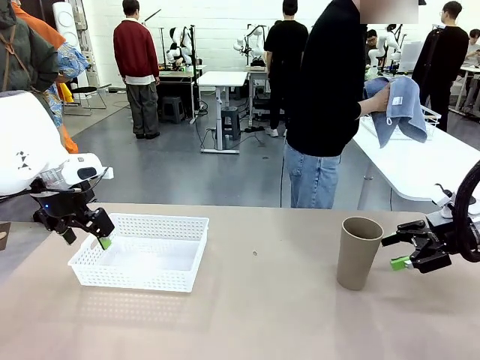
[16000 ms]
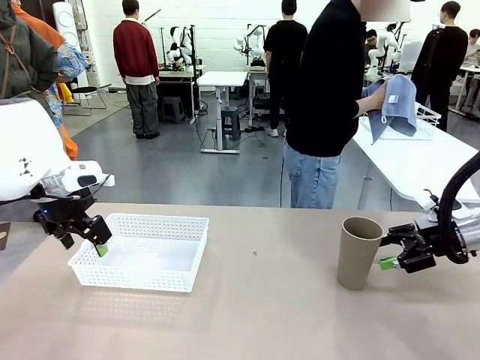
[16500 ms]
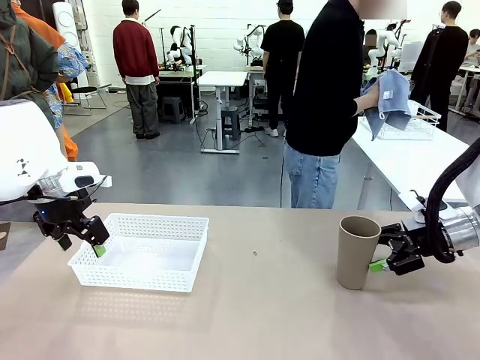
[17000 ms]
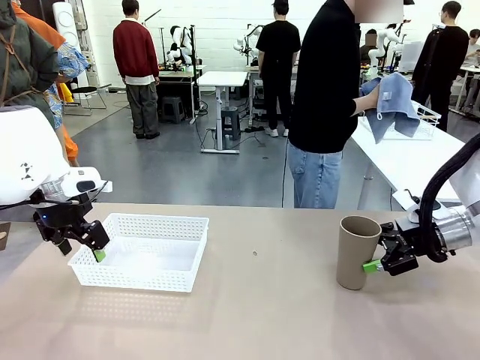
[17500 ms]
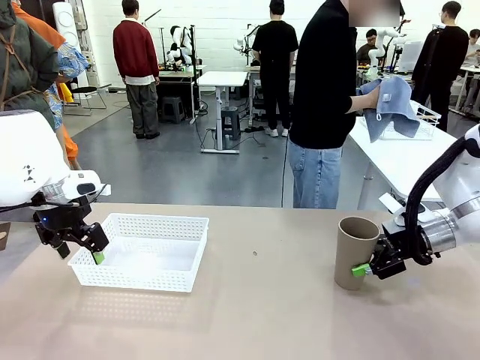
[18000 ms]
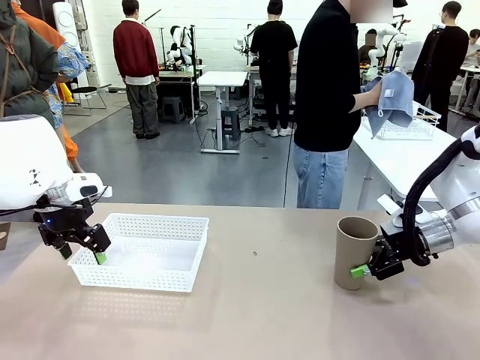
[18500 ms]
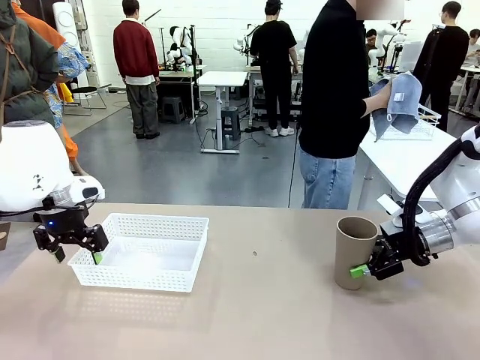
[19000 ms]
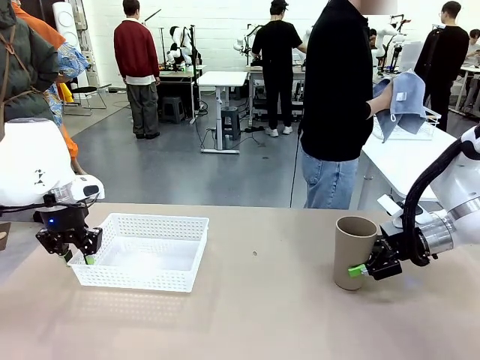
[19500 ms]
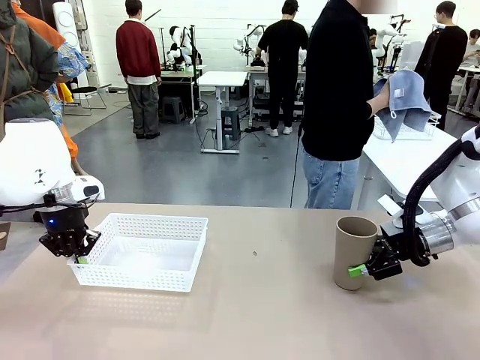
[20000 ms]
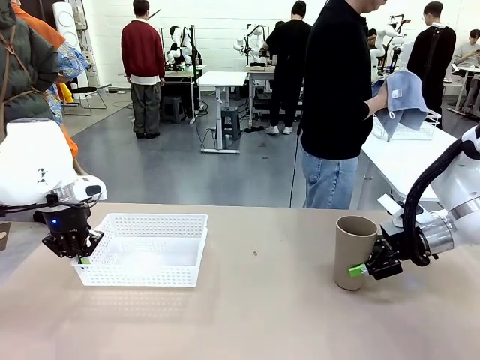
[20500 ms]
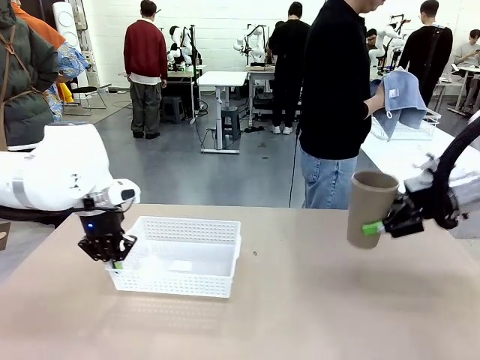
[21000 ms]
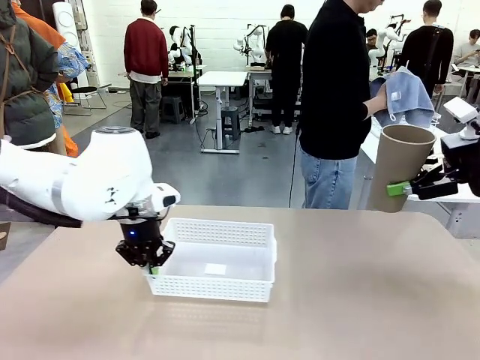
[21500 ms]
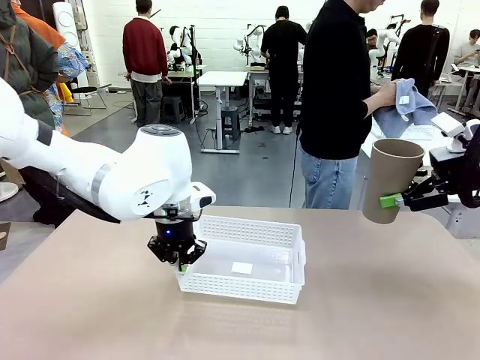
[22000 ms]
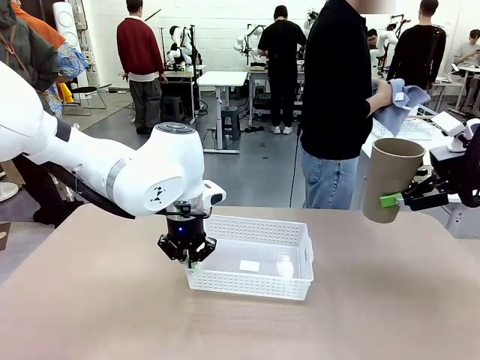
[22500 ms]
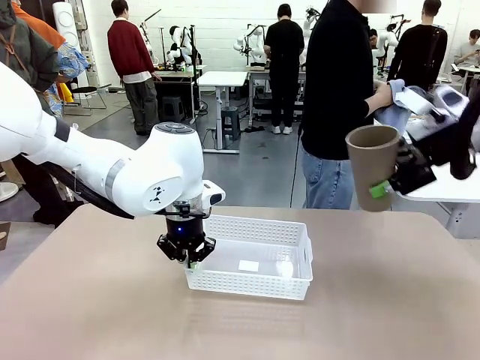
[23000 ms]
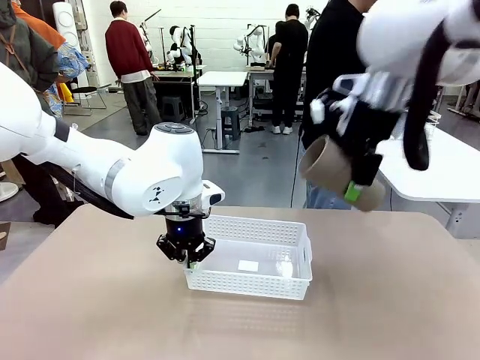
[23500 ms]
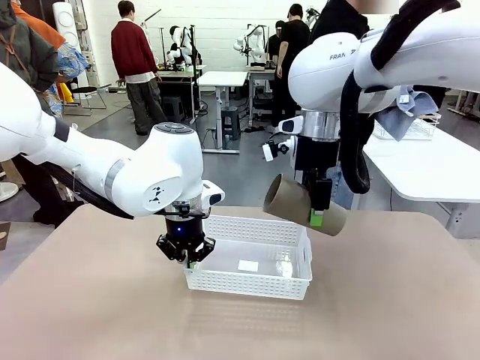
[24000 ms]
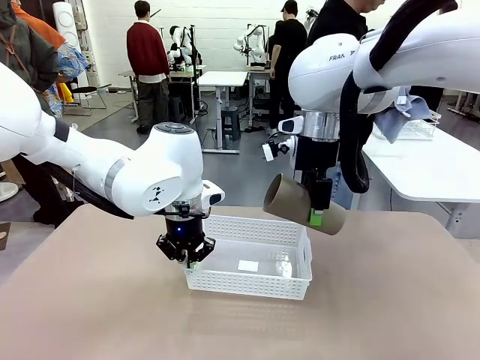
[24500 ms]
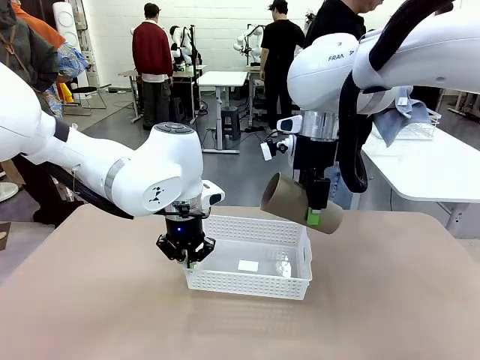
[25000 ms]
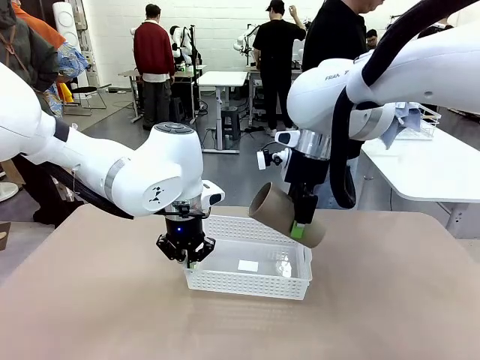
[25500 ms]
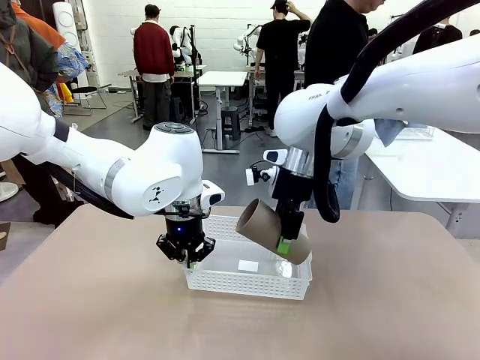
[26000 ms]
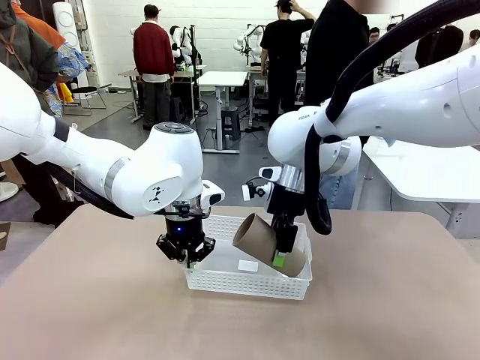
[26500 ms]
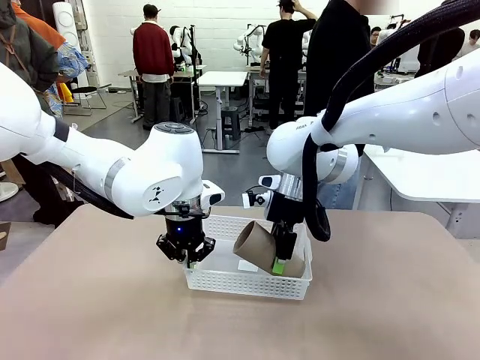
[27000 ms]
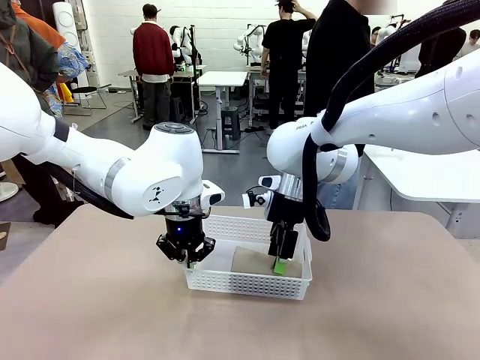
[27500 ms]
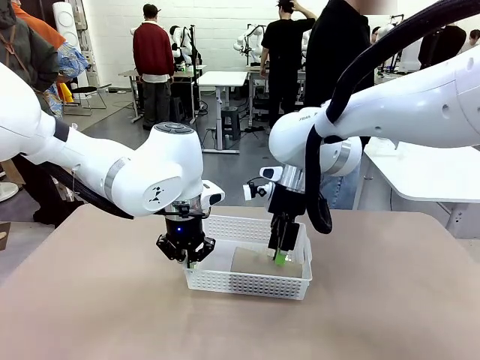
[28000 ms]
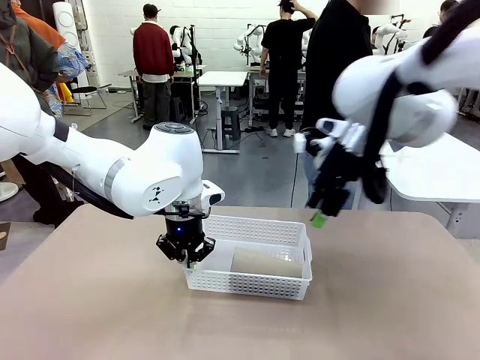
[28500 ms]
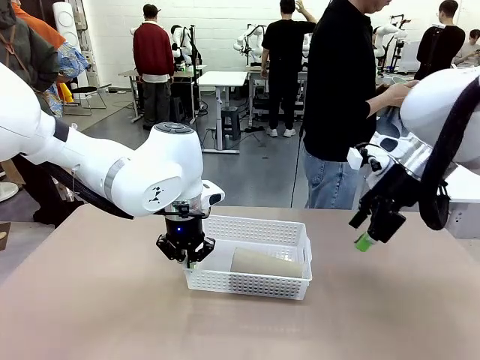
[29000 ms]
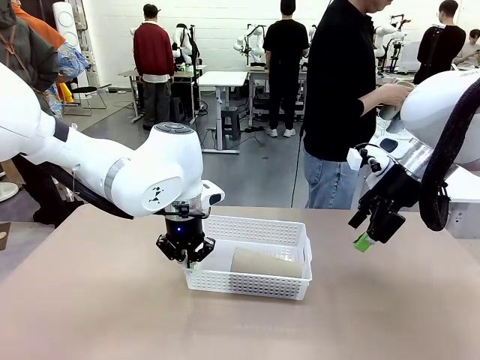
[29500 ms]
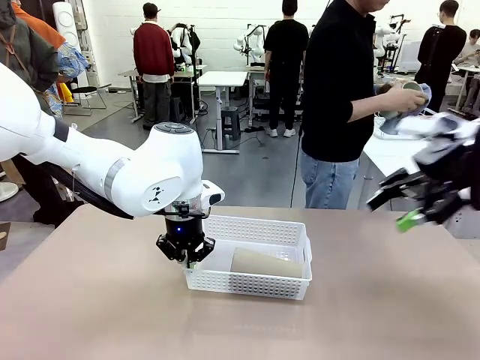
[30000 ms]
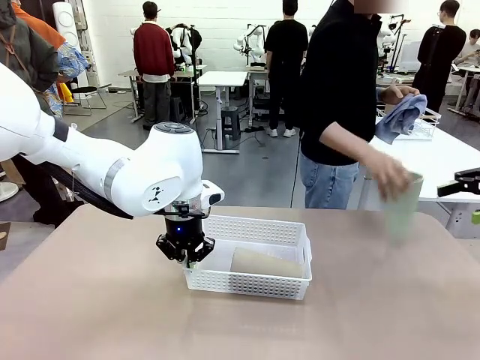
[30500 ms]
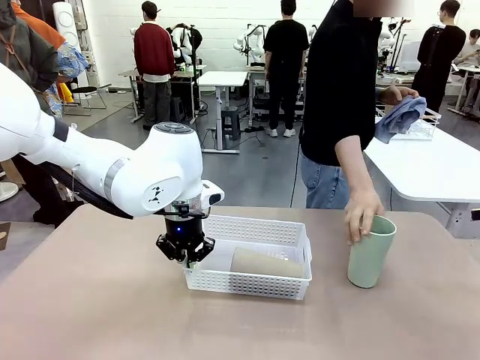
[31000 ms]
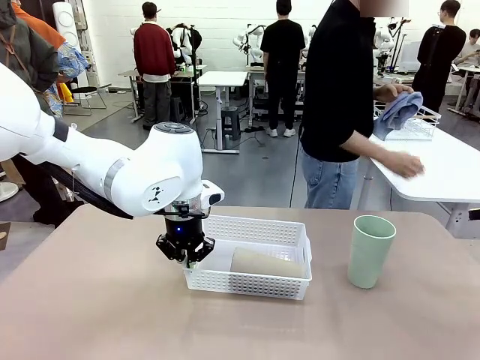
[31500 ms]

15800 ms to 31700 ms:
Task: Clean and organize the cups into the basket.
Robot: Pick up the Organizing basket and move it to the center of the table, then pick up the Reusable plastic cup from the right side of the table and place it inside the Organizing basket.
